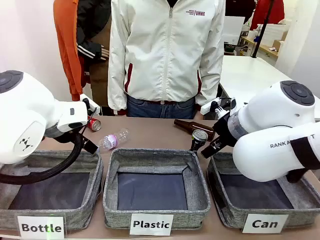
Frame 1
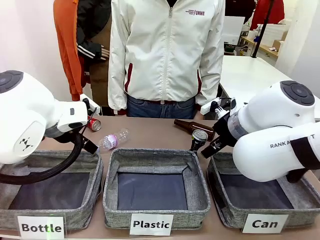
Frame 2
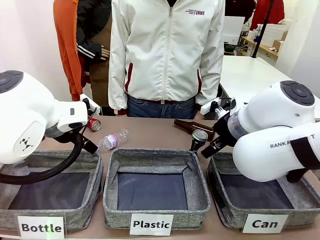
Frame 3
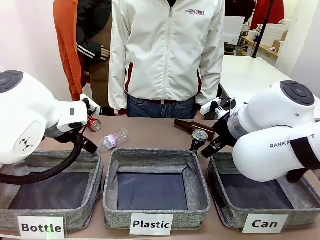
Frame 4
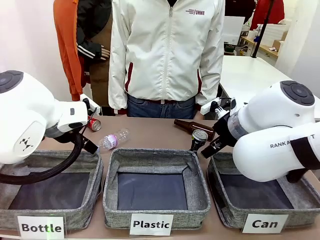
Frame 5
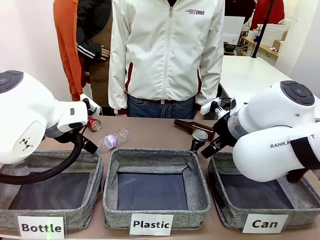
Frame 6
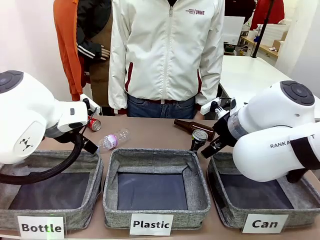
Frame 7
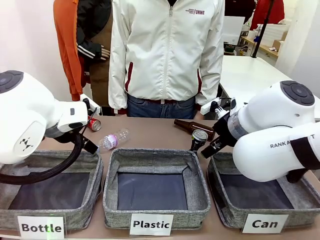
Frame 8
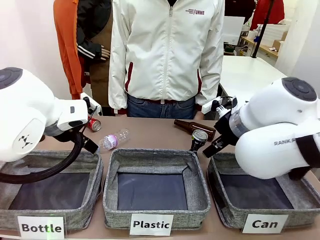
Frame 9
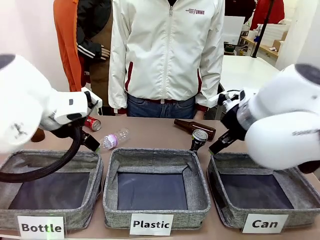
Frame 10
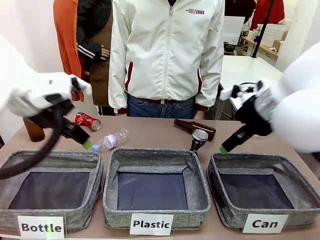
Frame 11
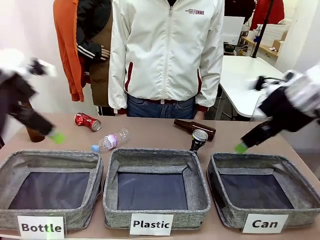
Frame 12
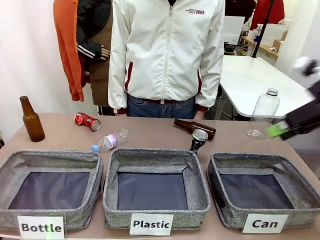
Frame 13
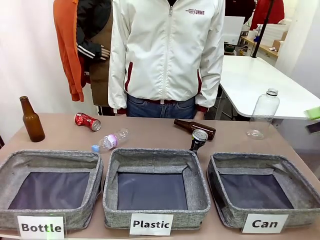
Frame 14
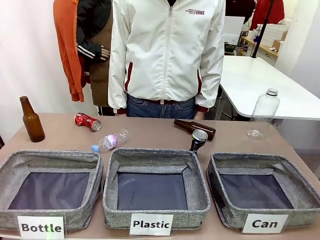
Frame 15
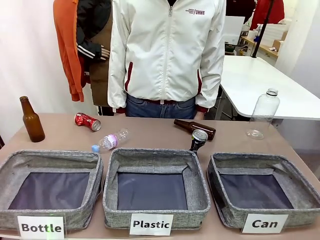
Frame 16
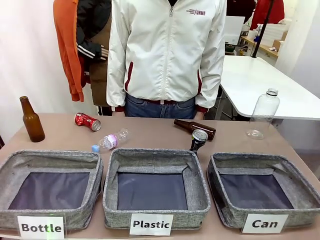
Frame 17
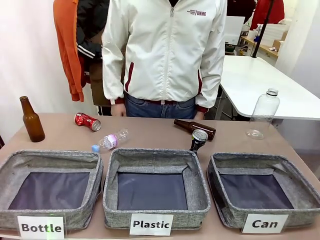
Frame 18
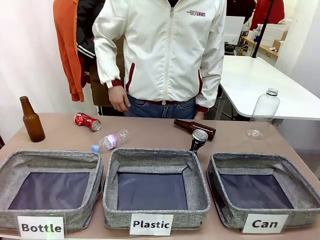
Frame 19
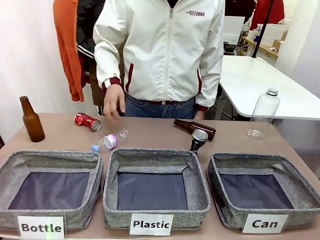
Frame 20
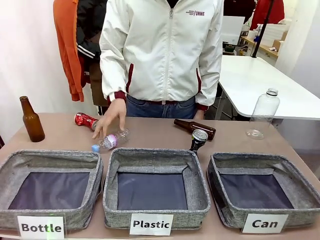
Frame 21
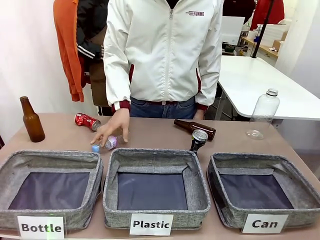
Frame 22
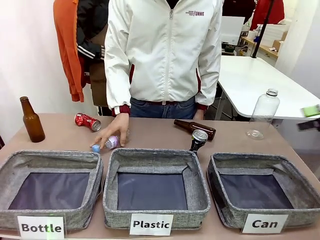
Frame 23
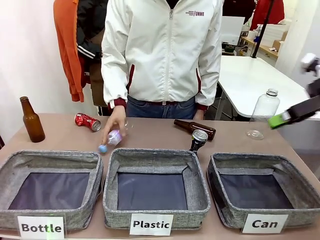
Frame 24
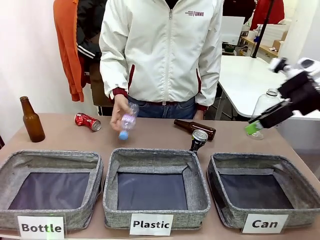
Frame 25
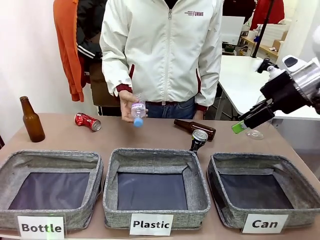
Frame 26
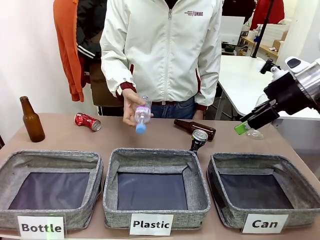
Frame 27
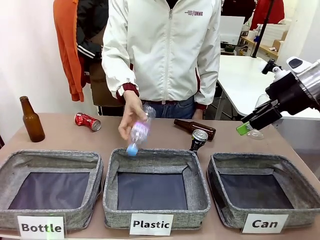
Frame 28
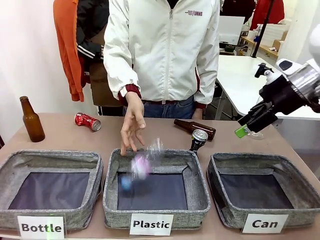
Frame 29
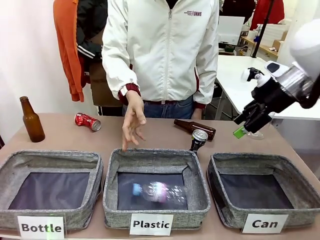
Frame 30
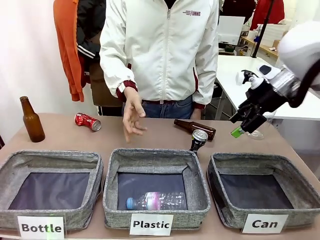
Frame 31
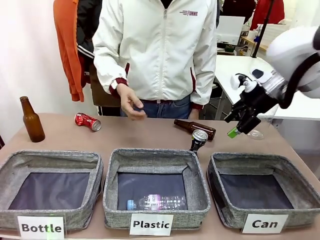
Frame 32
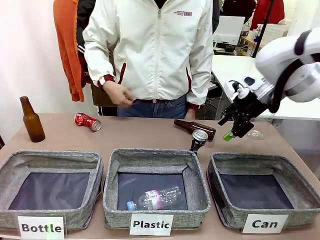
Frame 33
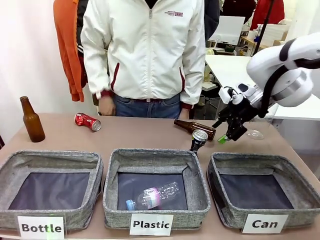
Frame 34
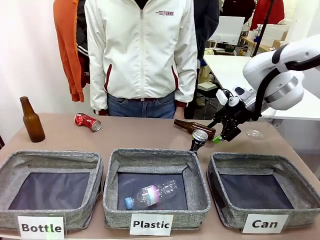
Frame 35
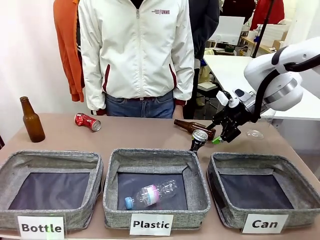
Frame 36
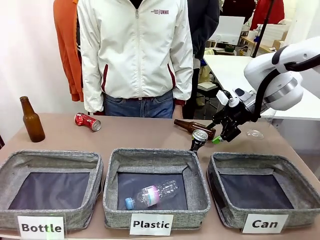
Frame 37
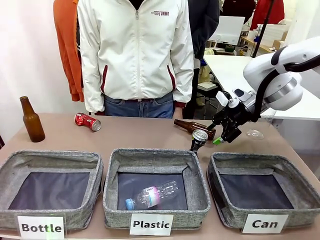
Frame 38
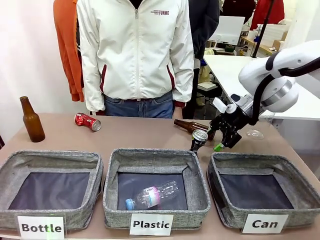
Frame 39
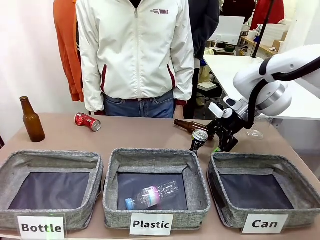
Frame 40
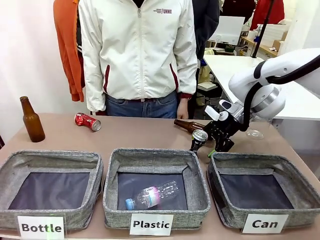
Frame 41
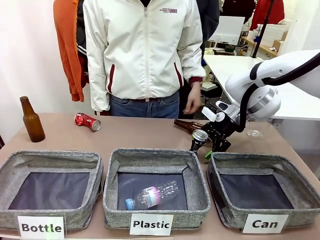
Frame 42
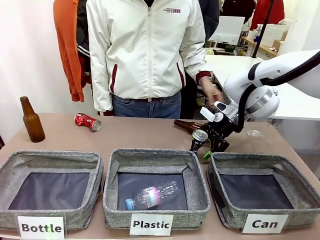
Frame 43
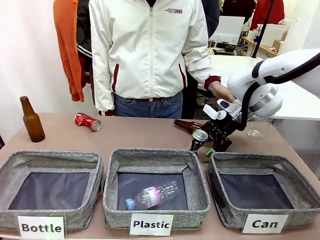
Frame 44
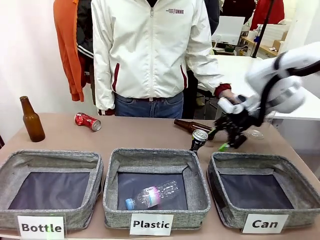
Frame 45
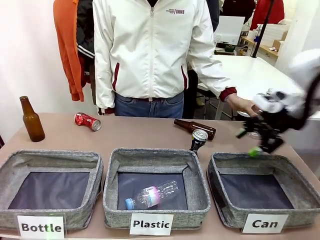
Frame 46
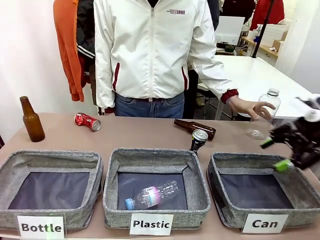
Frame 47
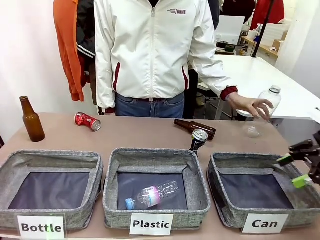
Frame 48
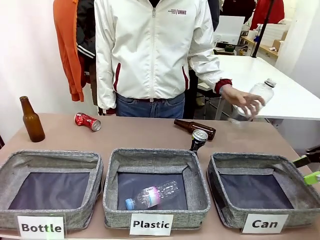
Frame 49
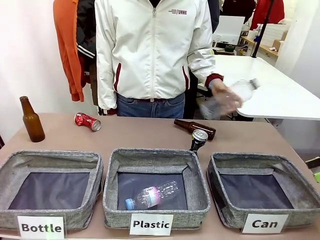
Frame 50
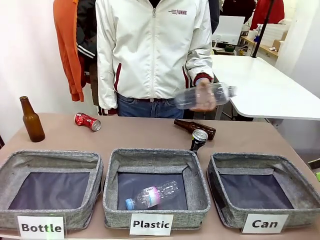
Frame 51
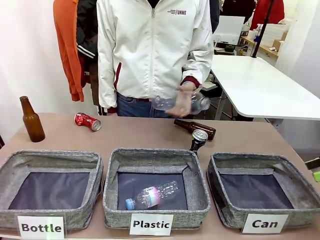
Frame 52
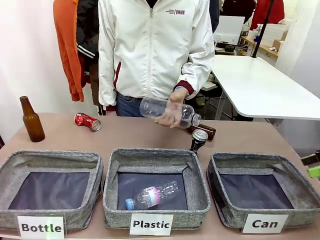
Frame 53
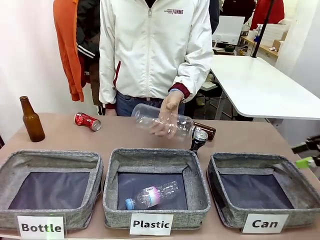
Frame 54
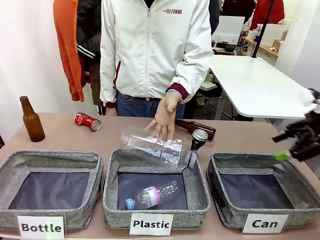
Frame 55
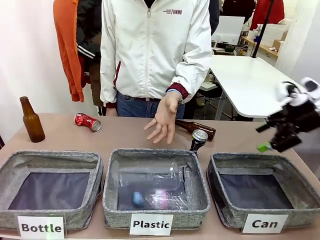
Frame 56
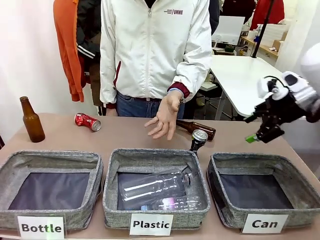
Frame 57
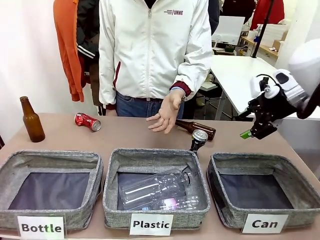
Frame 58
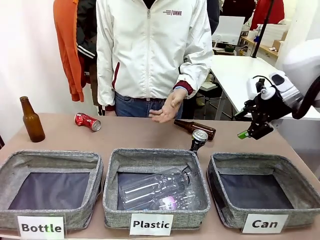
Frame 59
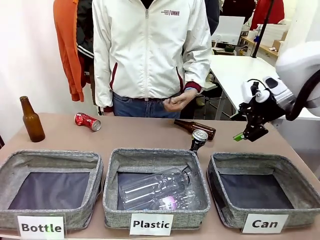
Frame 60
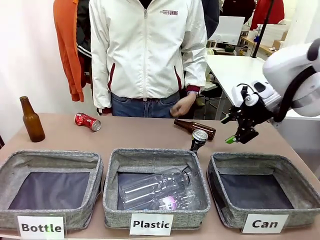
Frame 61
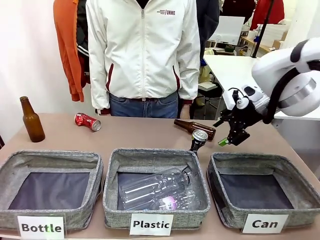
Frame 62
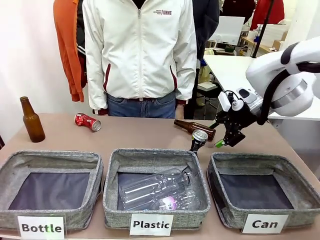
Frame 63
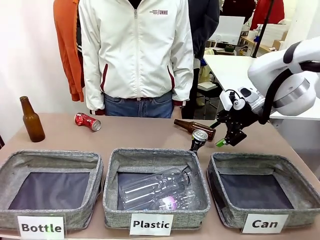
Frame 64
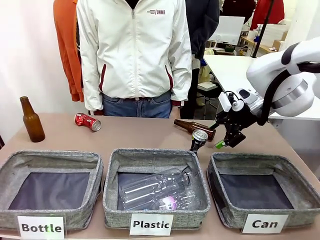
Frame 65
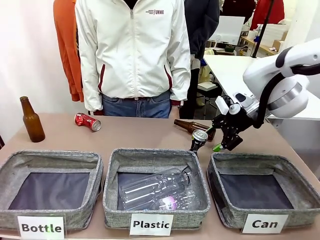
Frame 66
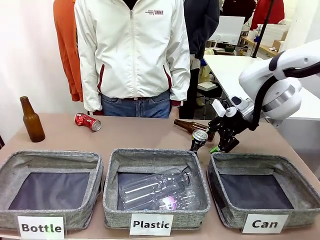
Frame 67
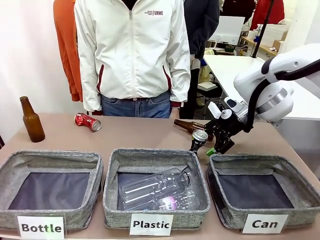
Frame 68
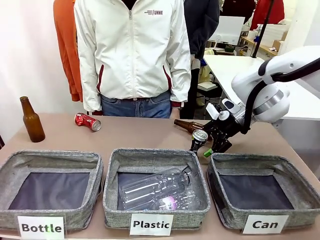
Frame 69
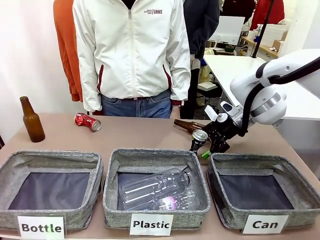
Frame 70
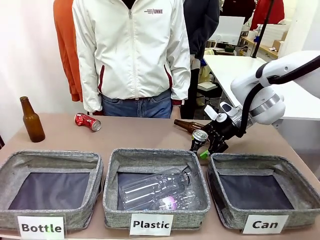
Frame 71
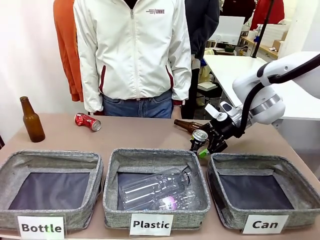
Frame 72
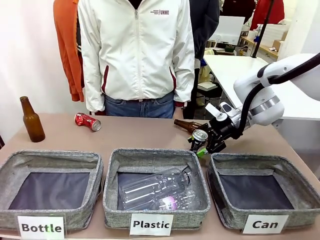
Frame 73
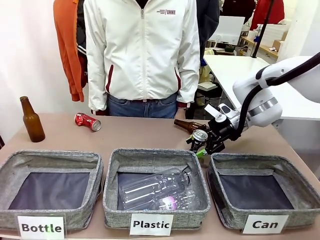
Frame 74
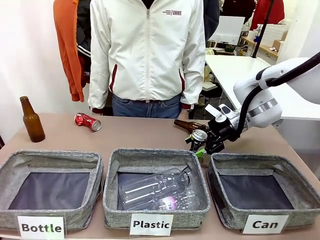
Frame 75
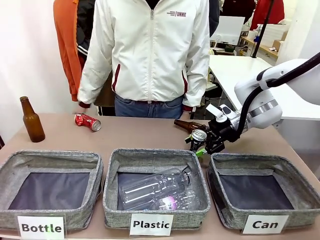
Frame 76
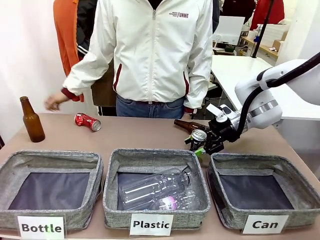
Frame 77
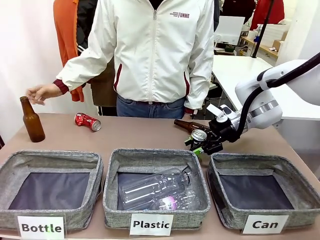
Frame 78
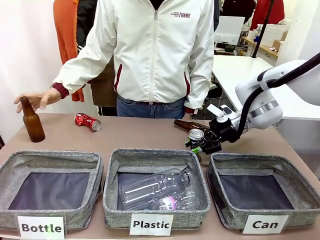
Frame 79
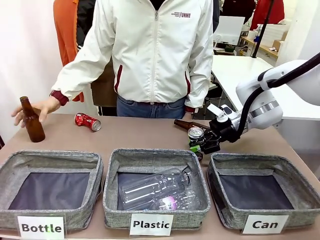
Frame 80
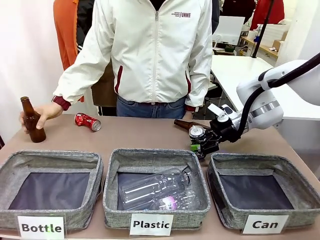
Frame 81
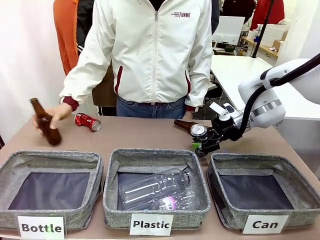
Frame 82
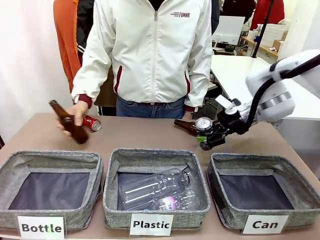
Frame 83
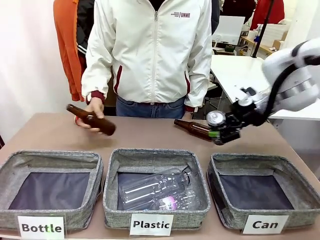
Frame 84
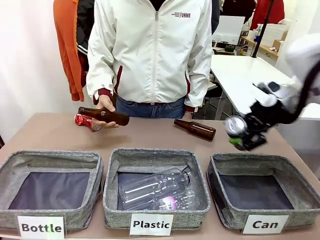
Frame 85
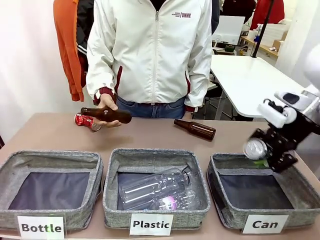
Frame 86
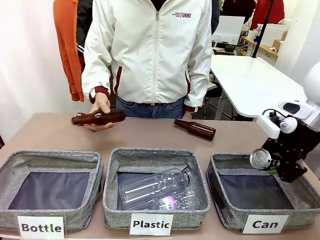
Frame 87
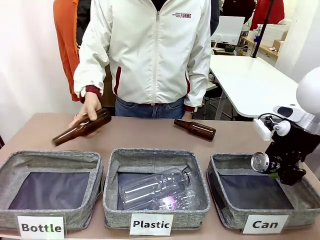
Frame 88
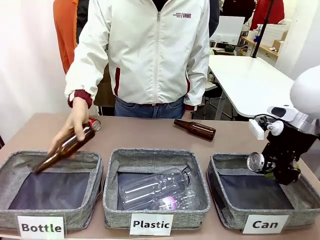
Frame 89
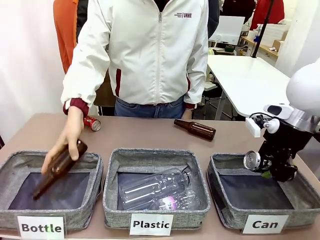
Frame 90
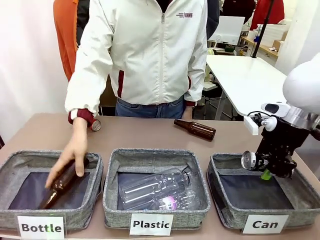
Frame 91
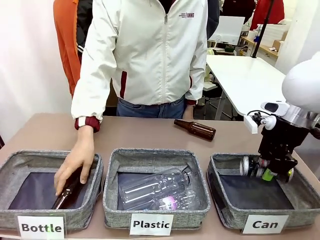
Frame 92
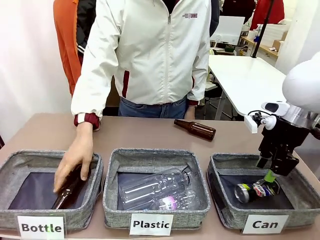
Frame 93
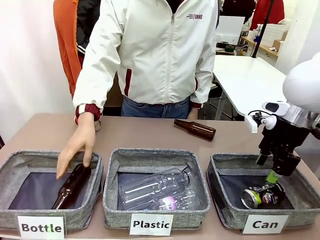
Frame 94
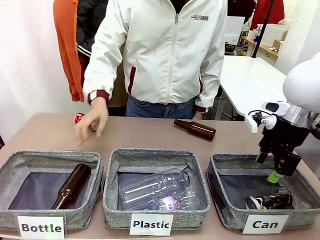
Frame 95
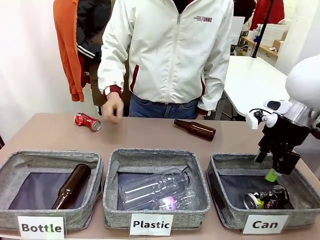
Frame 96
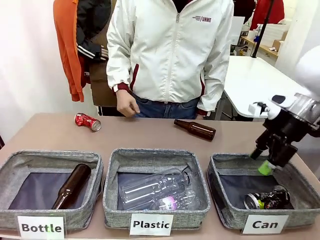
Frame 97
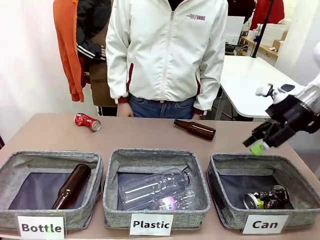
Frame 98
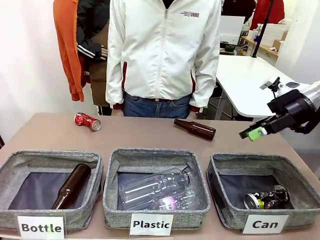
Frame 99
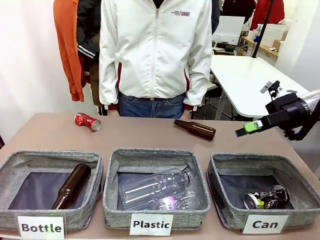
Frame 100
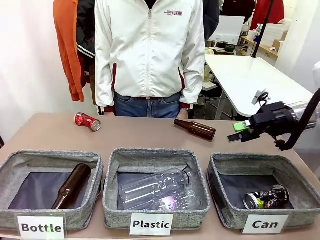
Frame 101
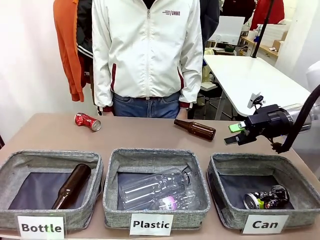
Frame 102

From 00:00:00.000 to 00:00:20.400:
Task: Sort the can waste into the basket.
Robot: Pick up the can waste from the table and place it in the right Fabric basket.
